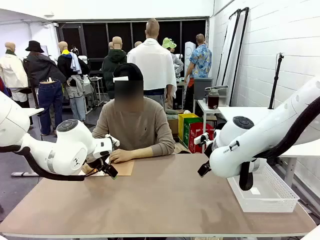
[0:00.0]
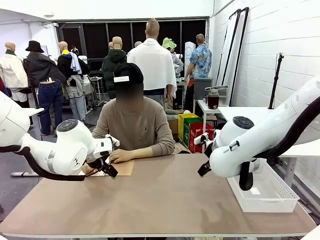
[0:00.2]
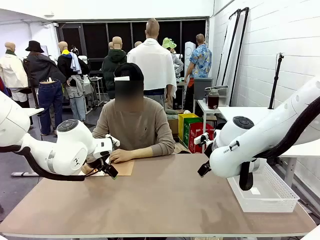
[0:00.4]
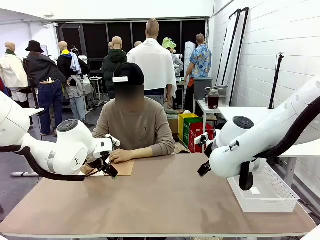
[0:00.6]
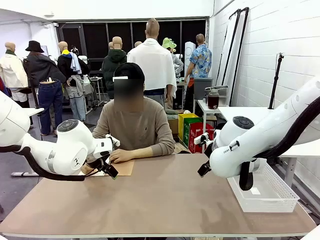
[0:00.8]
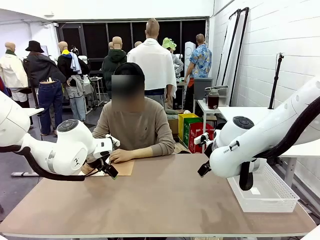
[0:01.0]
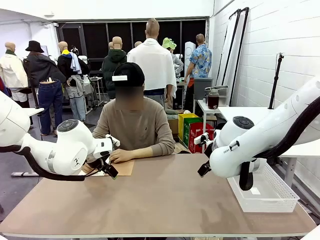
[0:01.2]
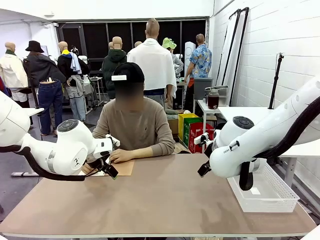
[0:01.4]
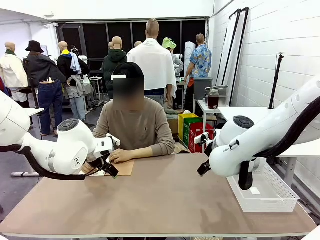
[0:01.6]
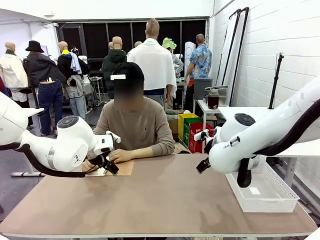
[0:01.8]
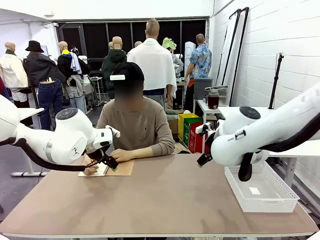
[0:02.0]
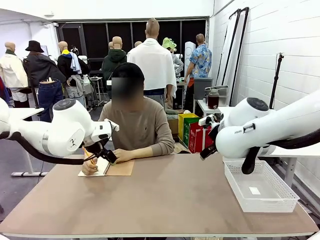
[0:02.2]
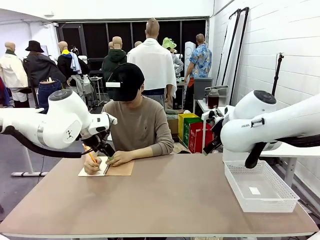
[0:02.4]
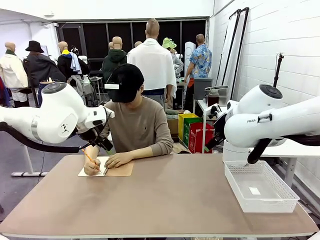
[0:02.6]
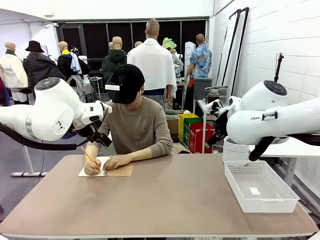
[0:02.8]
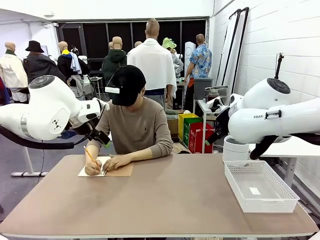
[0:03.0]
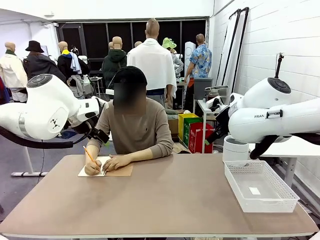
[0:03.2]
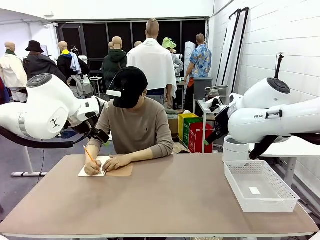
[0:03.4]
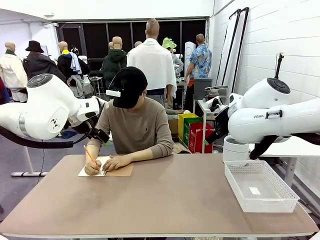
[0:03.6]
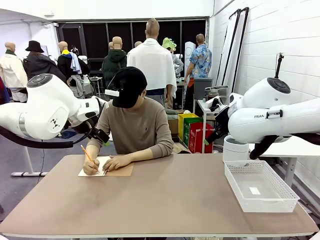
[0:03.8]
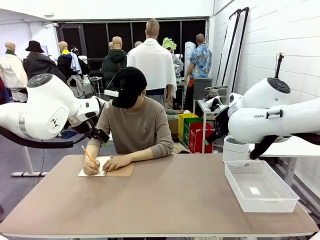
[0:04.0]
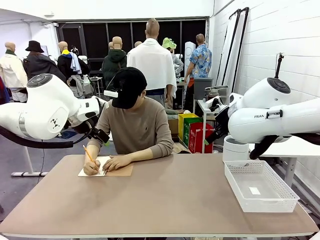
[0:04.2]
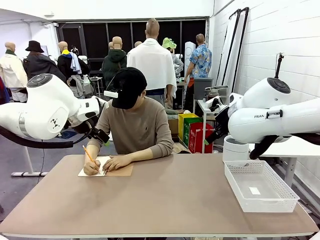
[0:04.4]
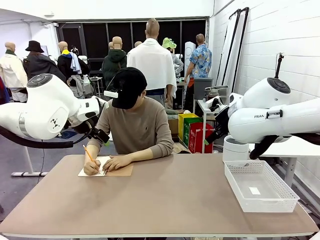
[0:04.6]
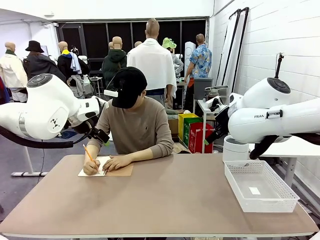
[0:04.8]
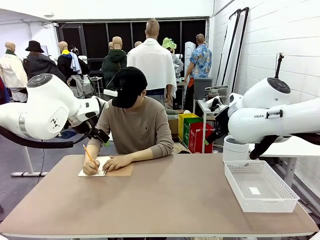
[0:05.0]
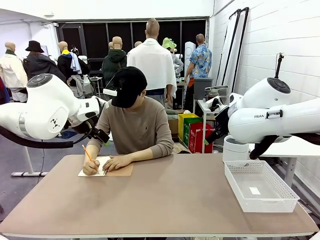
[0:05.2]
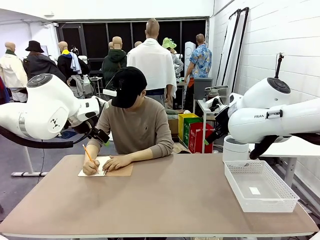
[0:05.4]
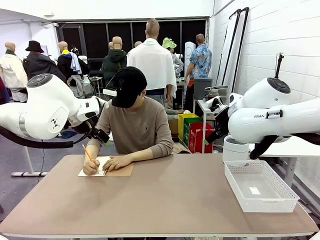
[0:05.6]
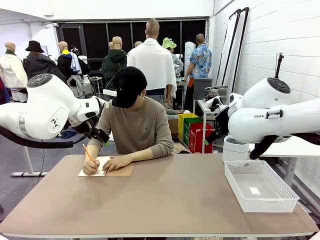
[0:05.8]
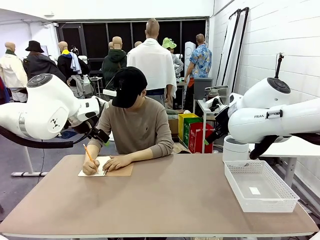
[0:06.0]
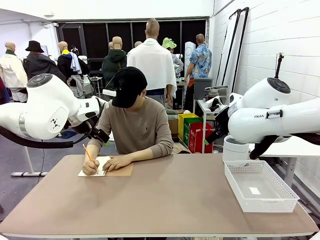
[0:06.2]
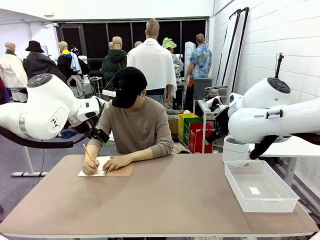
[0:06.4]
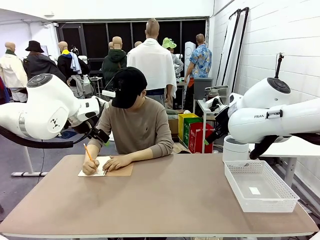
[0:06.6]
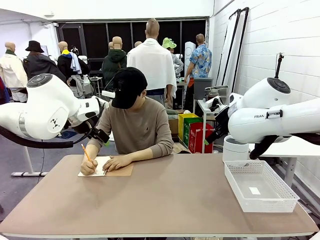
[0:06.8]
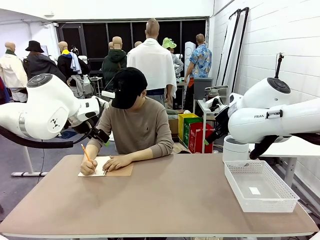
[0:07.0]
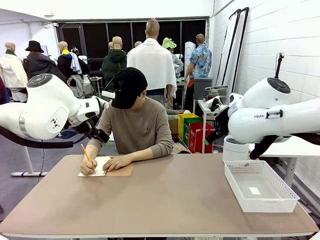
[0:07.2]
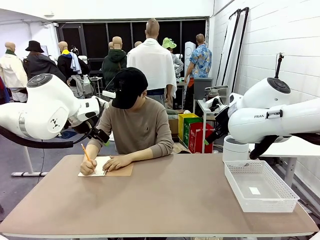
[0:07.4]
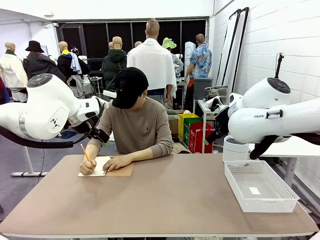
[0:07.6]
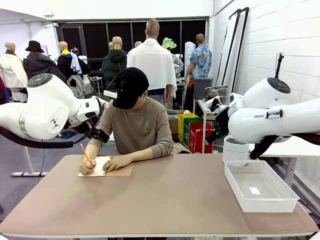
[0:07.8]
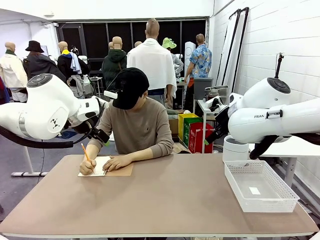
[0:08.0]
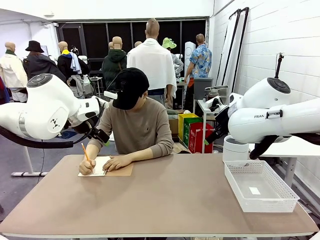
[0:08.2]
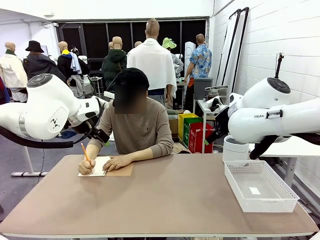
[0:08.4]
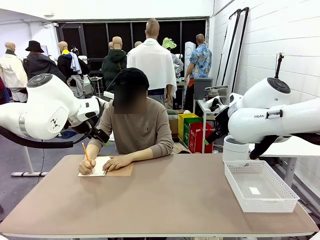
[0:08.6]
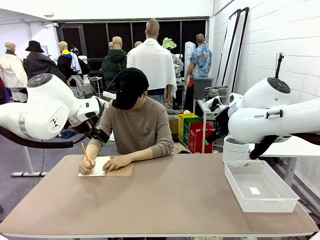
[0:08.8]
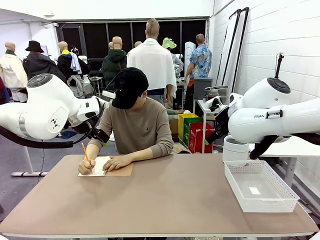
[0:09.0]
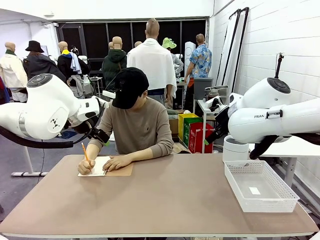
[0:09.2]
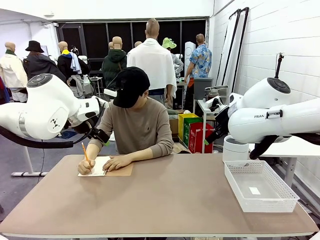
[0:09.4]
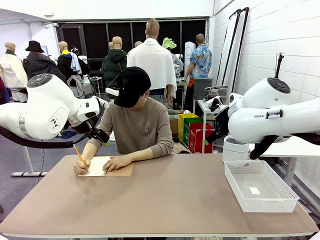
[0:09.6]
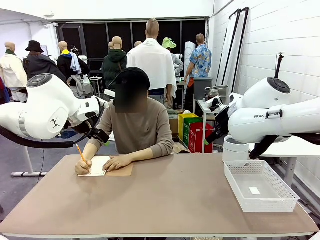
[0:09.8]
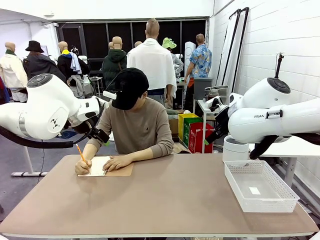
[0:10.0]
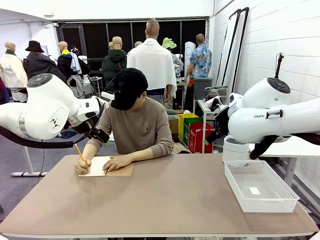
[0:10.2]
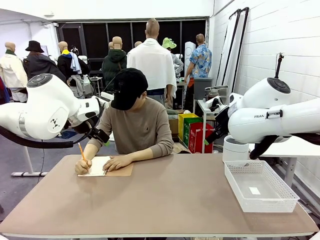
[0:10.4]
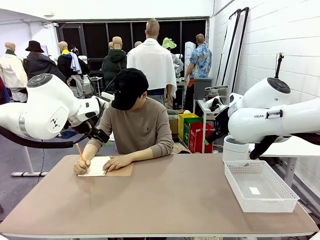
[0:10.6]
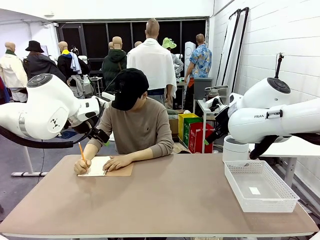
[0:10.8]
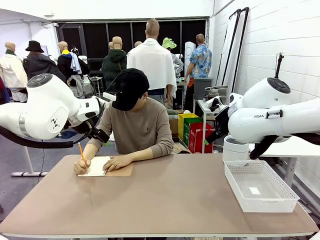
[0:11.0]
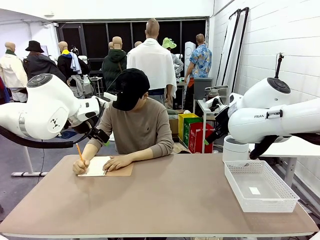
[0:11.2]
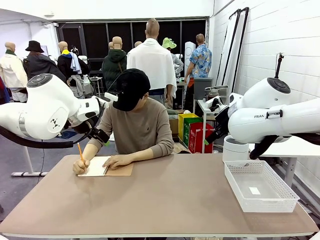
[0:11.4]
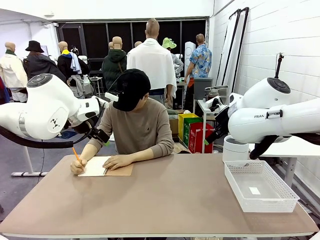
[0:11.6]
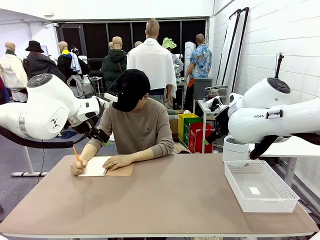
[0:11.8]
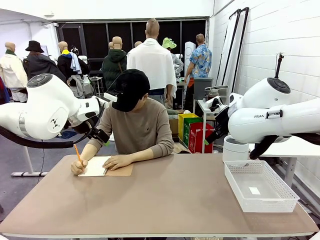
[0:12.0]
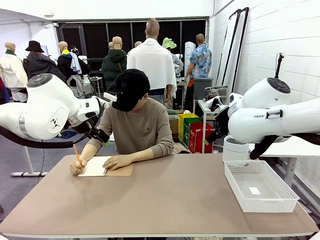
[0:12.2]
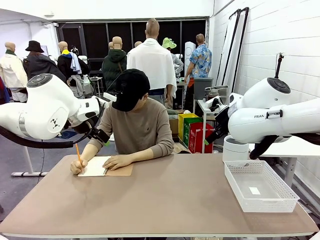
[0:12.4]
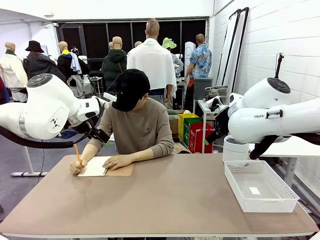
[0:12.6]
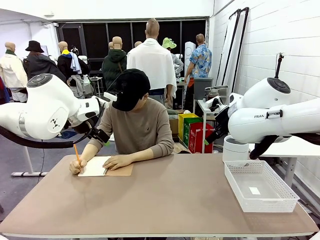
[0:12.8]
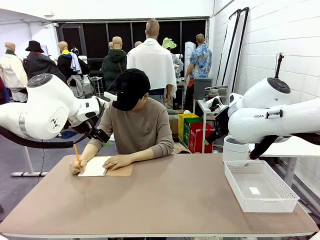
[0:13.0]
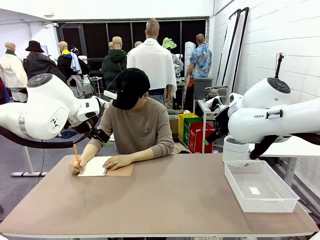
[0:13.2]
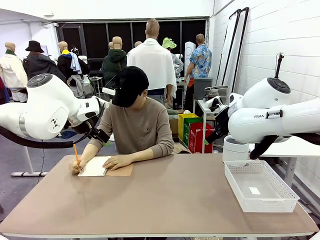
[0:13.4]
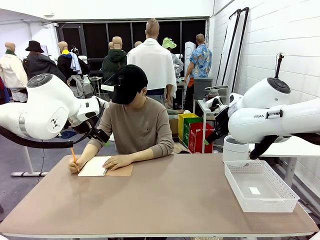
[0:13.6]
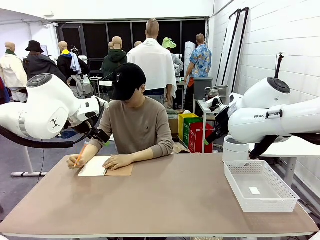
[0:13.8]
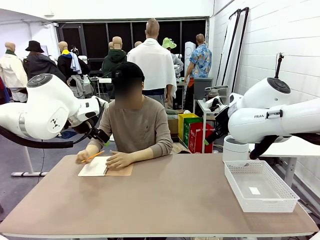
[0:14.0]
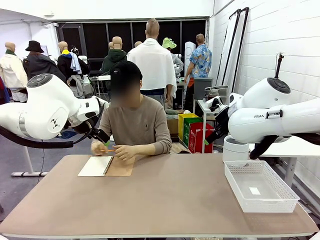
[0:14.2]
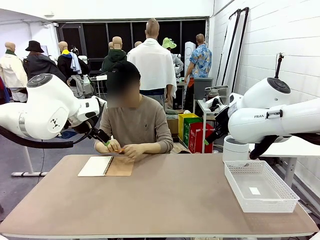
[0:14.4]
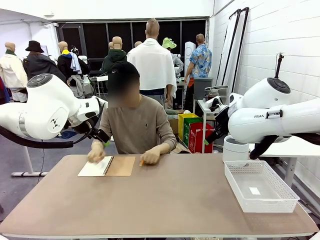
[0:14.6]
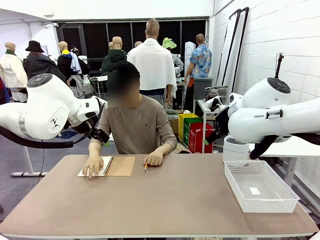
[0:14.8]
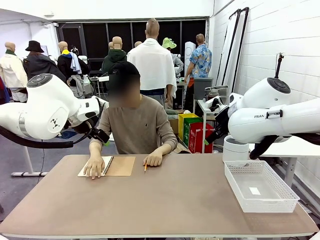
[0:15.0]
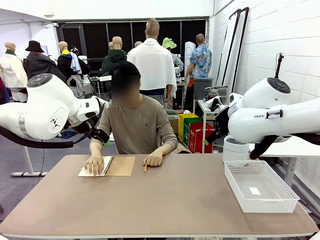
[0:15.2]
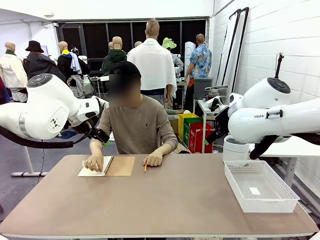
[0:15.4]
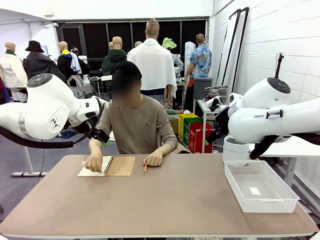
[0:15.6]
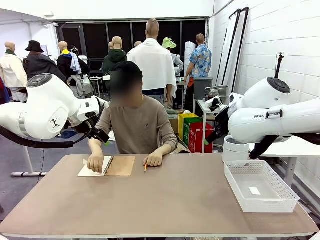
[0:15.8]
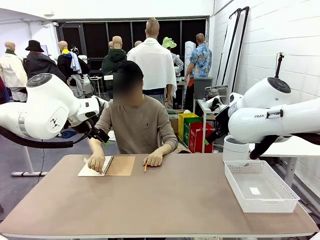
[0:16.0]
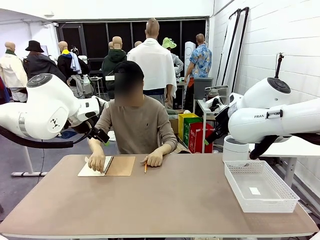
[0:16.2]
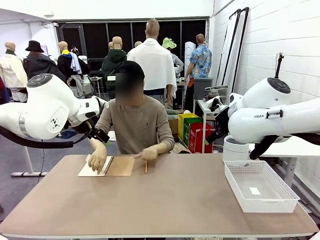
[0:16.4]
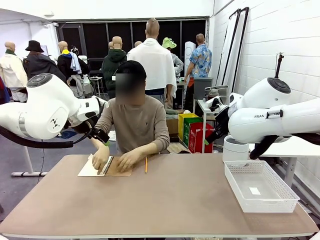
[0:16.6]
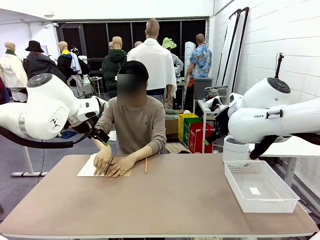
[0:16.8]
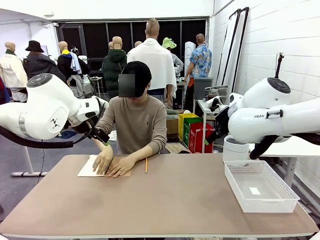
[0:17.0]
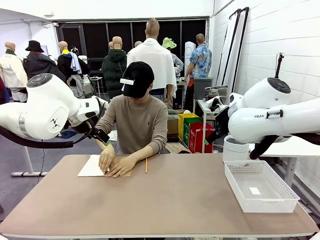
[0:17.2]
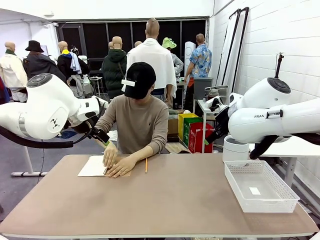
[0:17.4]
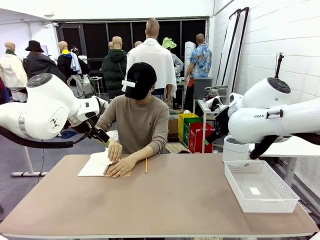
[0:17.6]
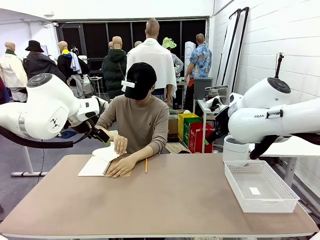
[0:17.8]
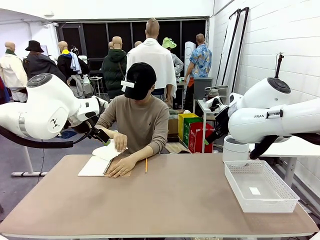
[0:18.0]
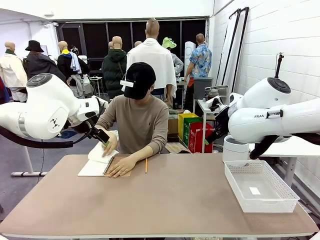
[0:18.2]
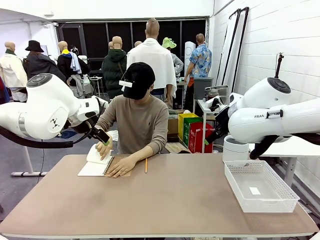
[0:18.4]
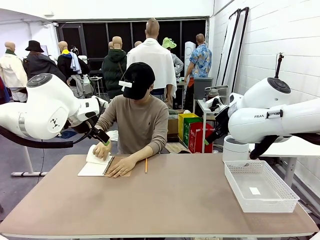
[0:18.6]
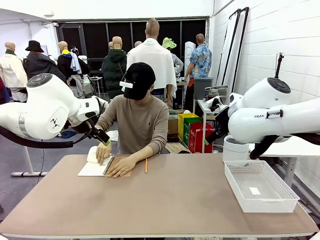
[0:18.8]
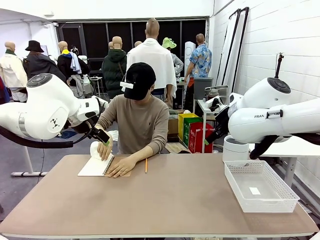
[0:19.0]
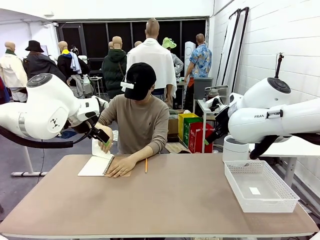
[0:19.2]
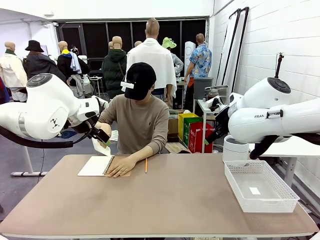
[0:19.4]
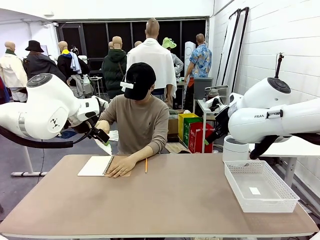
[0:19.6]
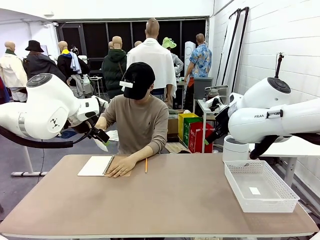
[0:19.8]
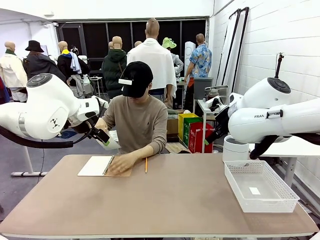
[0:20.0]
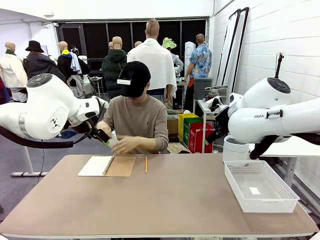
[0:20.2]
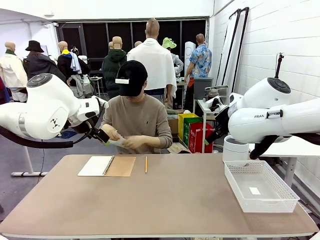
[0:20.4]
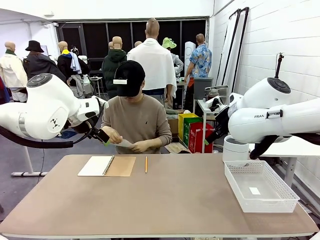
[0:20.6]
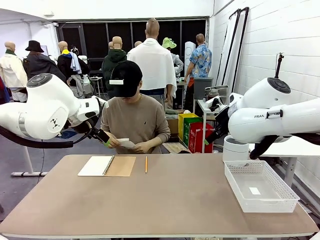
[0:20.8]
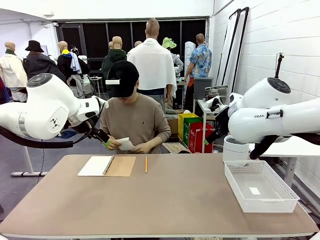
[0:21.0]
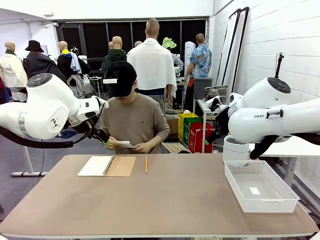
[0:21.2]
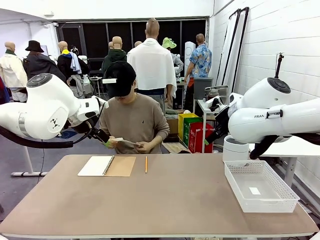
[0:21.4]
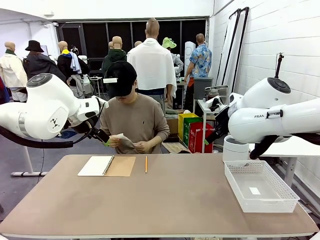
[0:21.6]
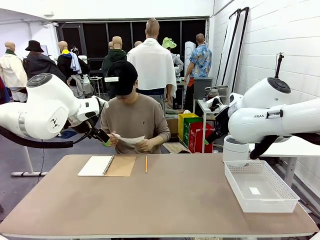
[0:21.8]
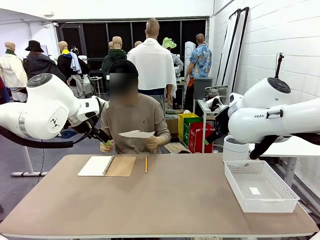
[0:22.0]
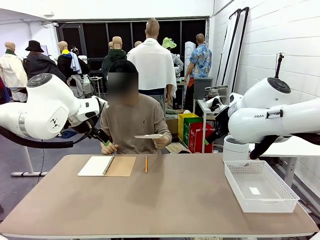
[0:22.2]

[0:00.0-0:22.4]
Task: Sort the paper based on its condition.
Robot: If a person hands you a paper, place it in the Organizing basket , and if it's crumpled, put it in the Trash can.
Person: Tear out a page from the spiral notebook. Hand the torn page to the robot or crumple it and throw it to the center of the table.
